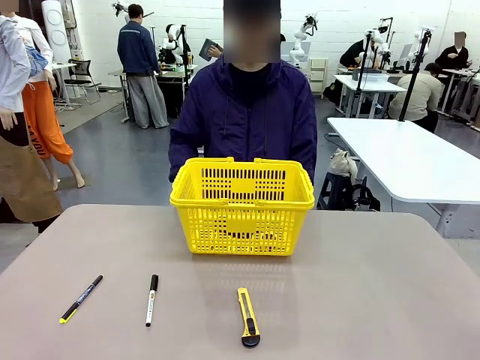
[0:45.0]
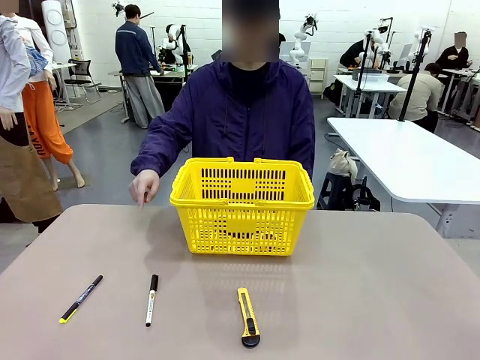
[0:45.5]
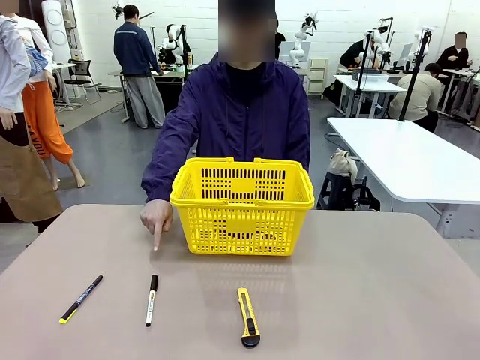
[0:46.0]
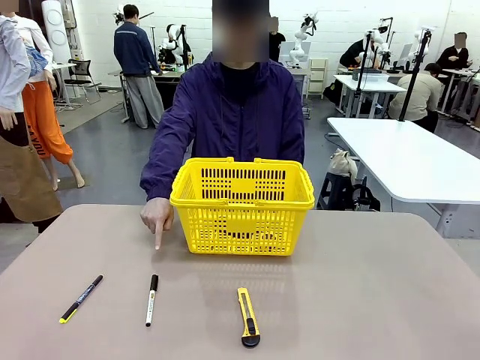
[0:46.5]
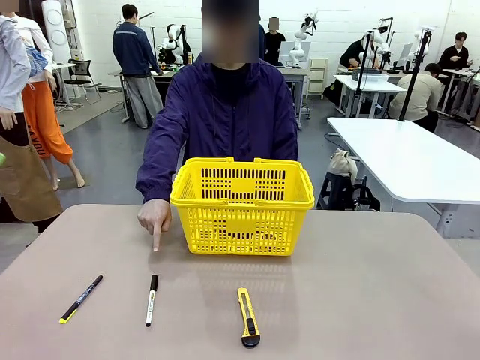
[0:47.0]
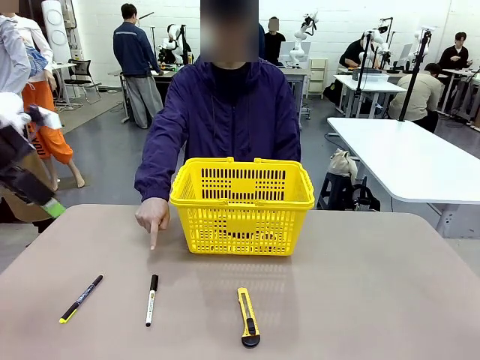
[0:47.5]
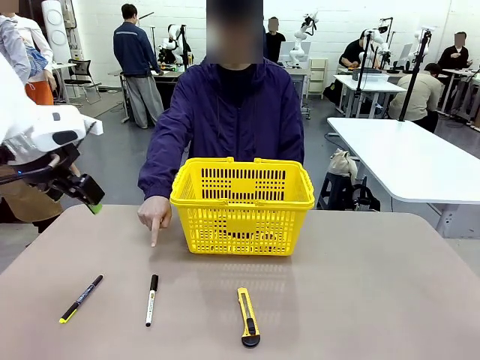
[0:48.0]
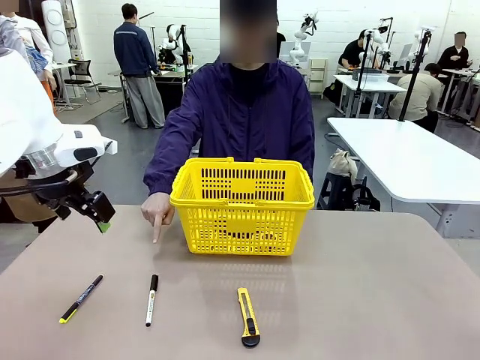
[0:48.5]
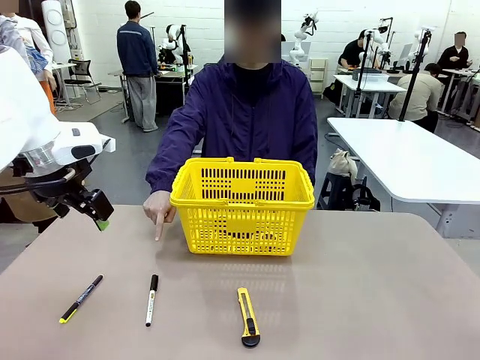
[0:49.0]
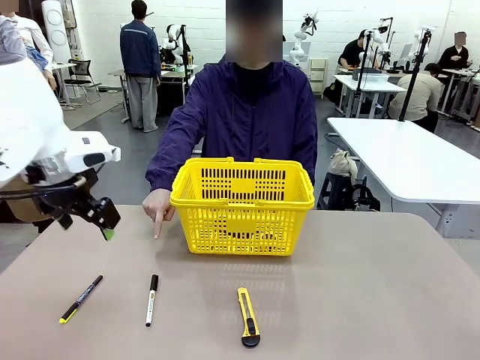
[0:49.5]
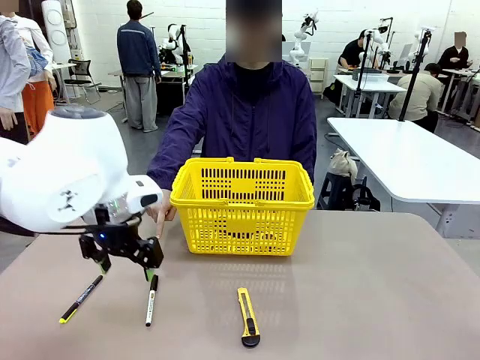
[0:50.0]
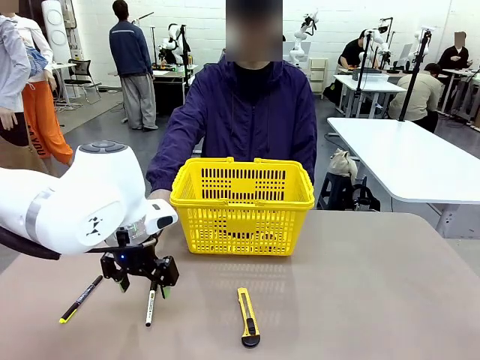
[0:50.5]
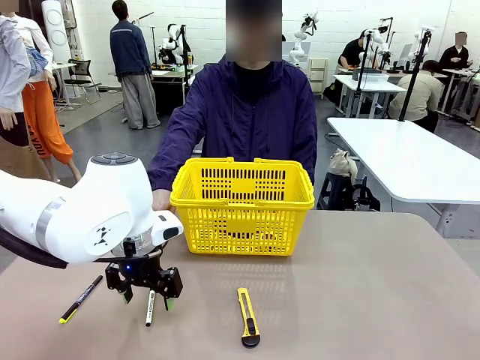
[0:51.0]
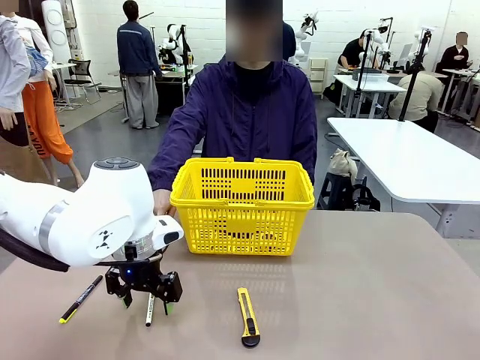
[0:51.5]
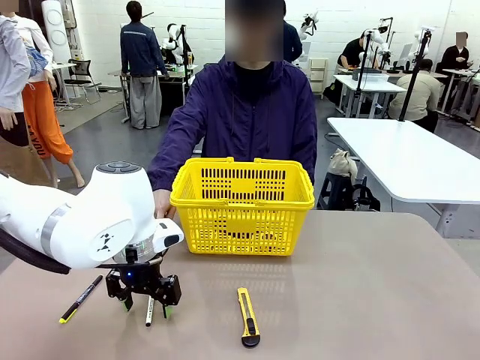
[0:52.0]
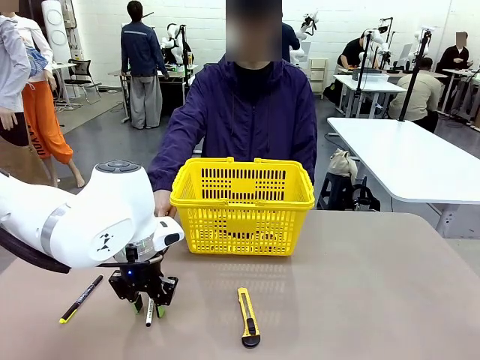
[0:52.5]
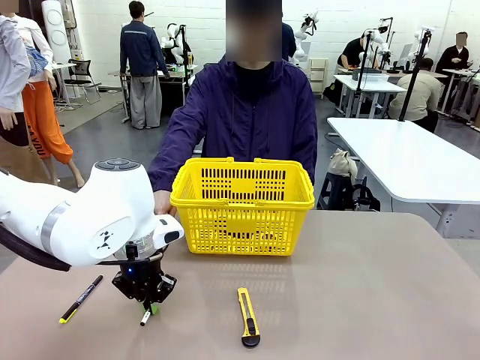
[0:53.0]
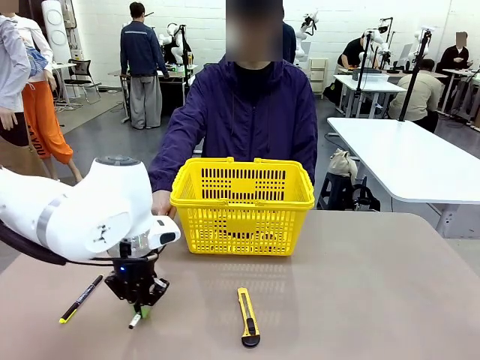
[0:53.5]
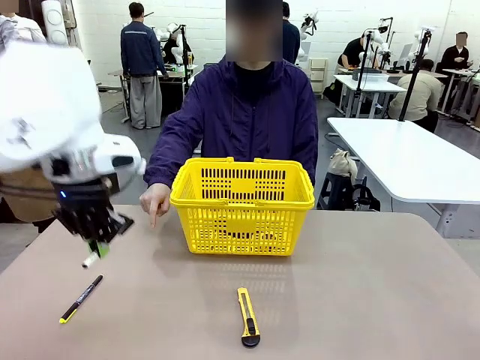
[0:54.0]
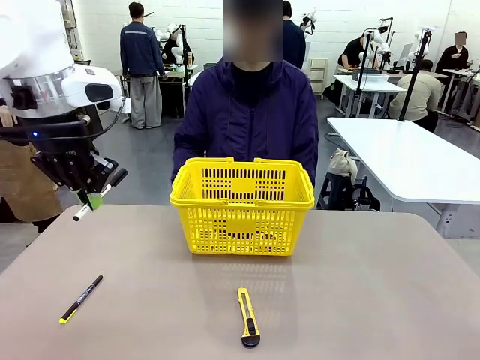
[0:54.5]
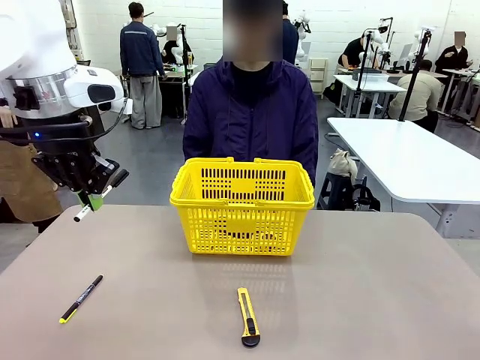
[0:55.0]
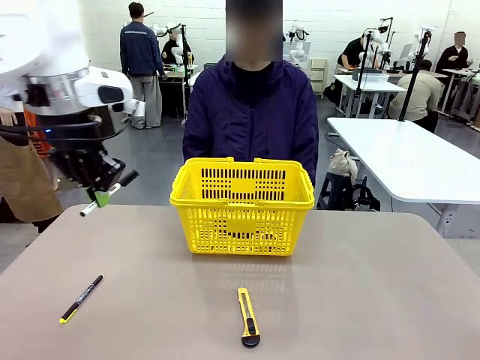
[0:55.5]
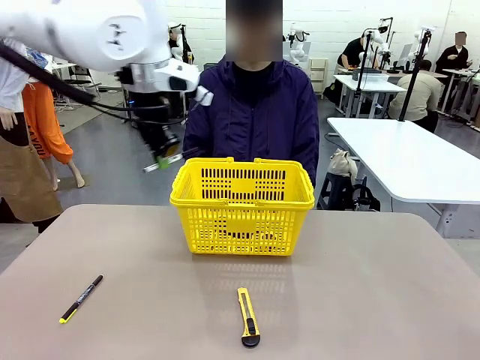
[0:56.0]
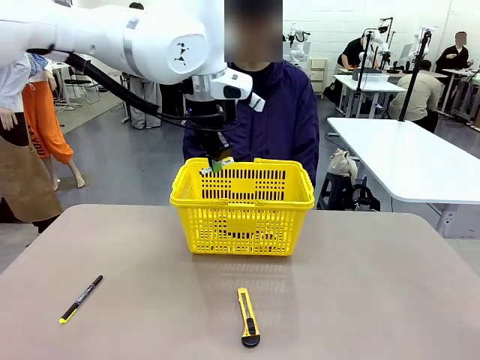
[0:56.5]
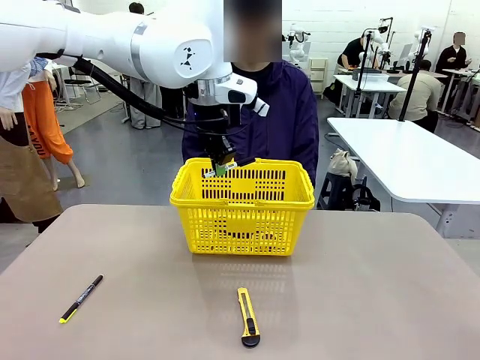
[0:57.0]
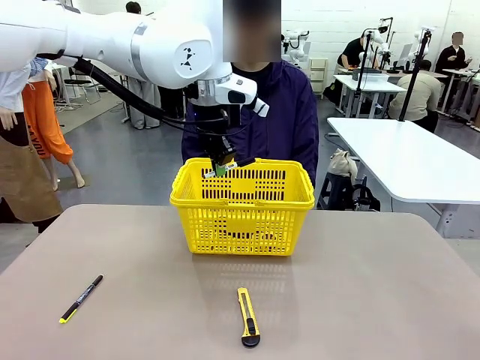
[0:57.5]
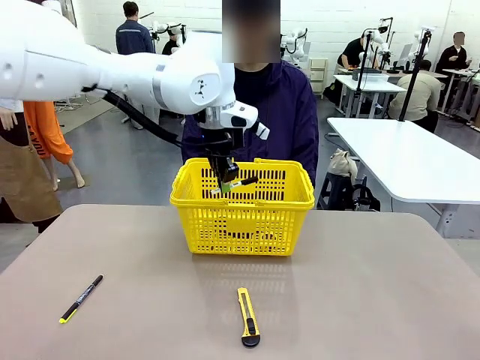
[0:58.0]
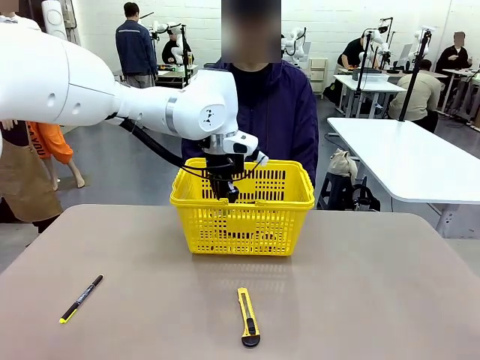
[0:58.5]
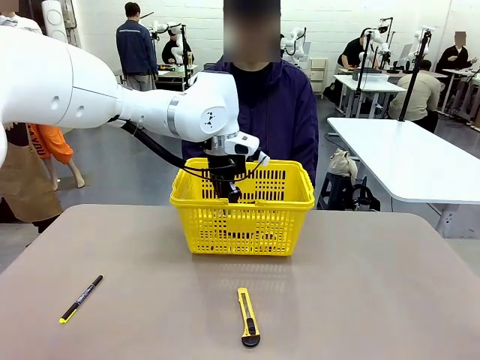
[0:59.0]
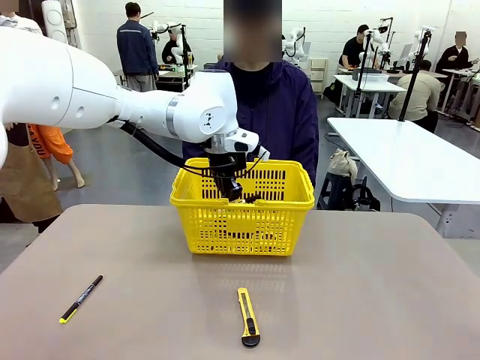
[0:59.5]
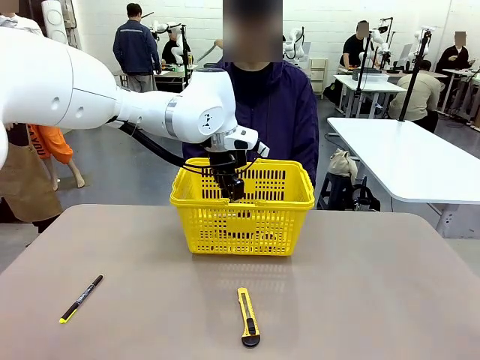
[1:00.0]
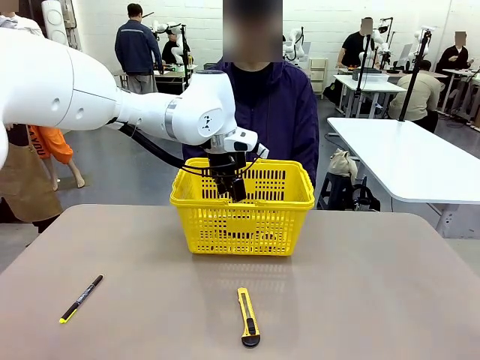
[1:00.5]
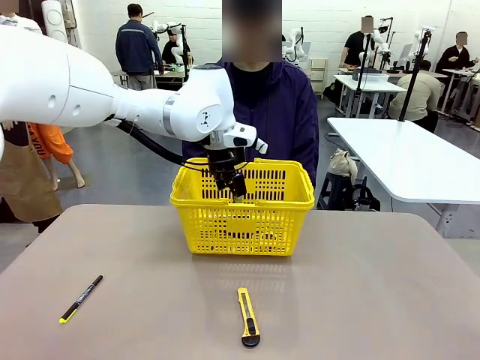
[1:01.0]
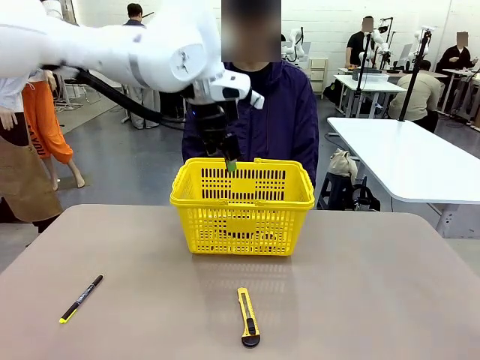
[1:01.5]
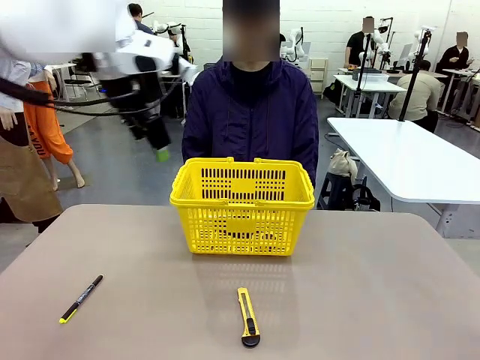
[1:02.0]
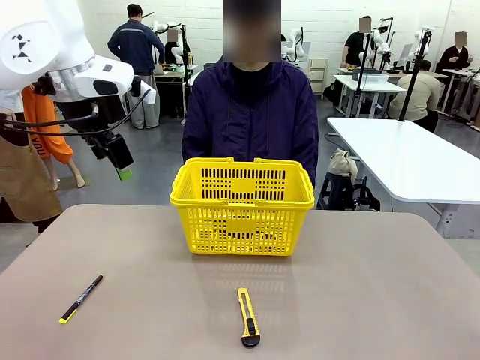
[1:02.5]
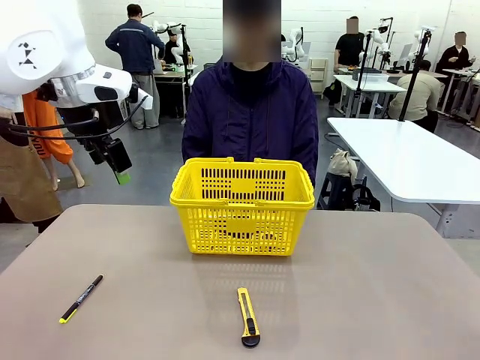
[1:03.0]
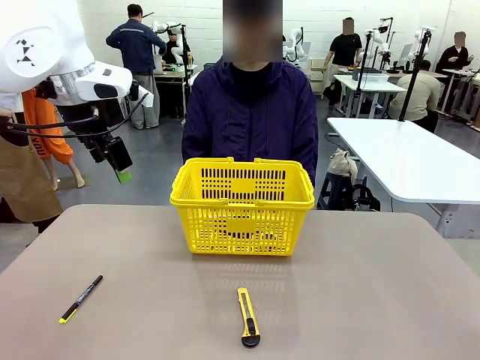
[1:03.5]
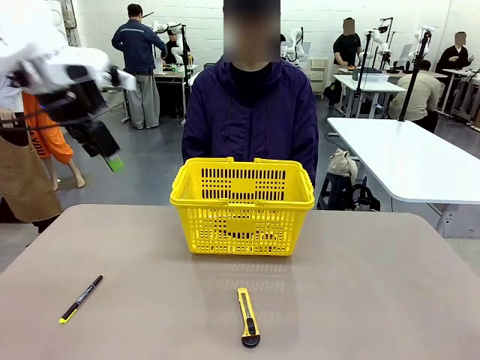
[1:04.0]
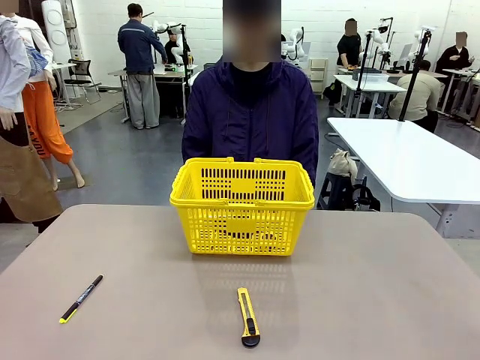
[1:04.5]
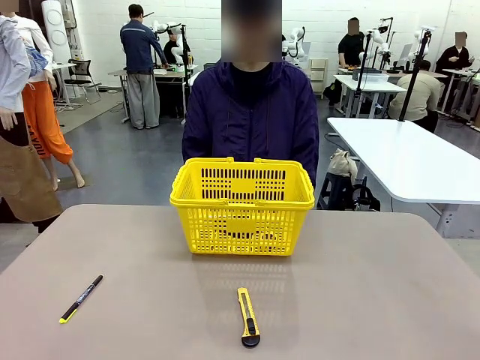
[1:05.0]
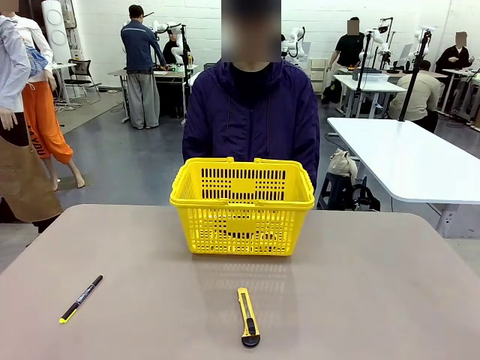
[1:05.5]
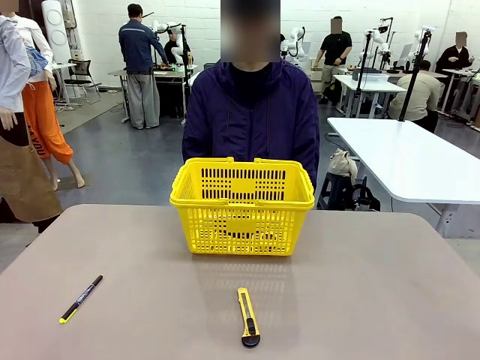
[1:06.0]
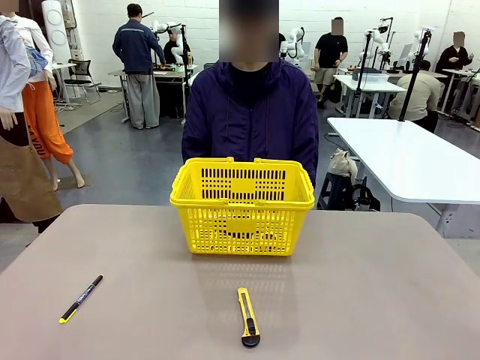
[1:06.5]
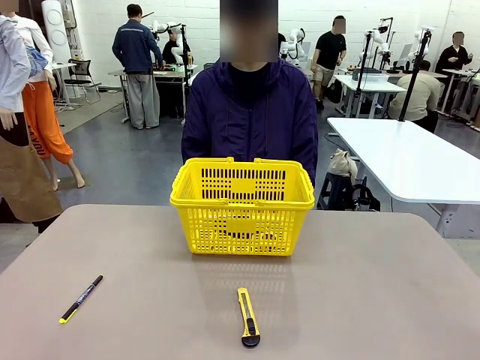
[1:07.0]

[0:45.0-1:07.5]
Task: Place the items the person wants into the basket.
Robot: Pick up the item the person points to and place it in the Market Basket.

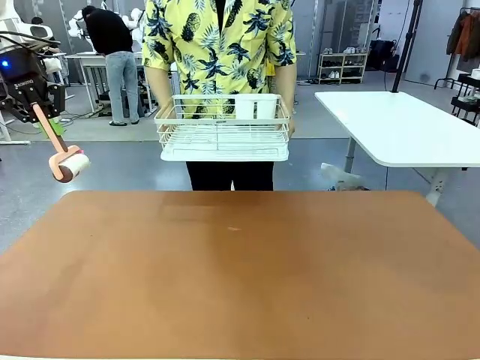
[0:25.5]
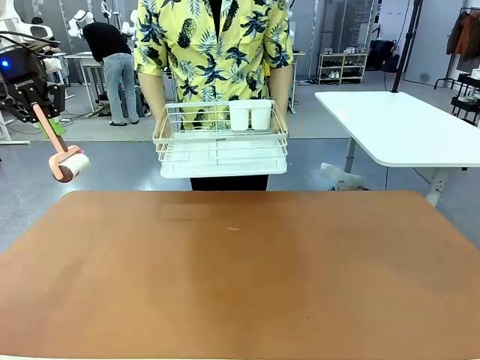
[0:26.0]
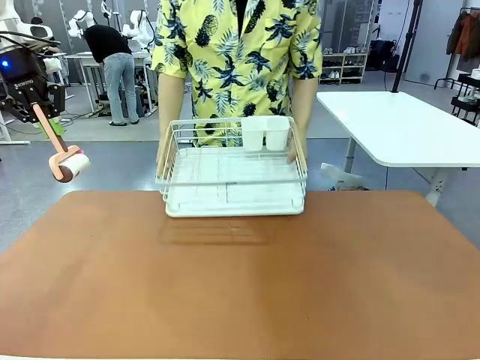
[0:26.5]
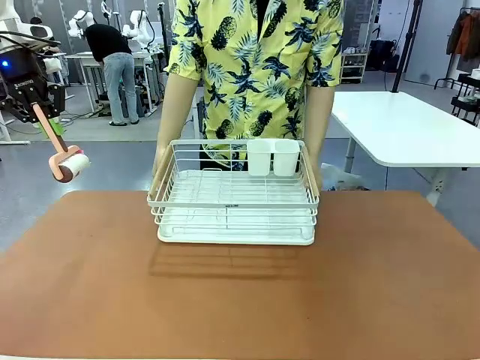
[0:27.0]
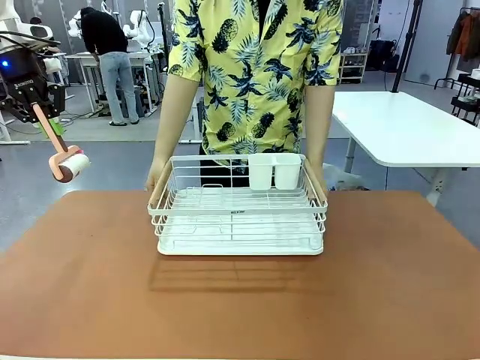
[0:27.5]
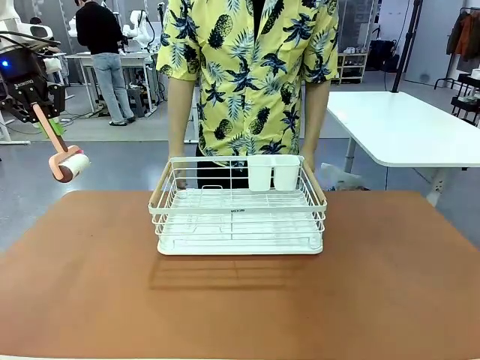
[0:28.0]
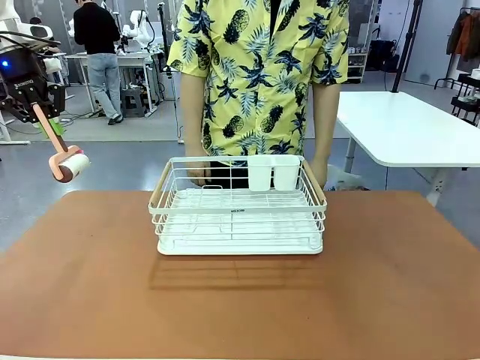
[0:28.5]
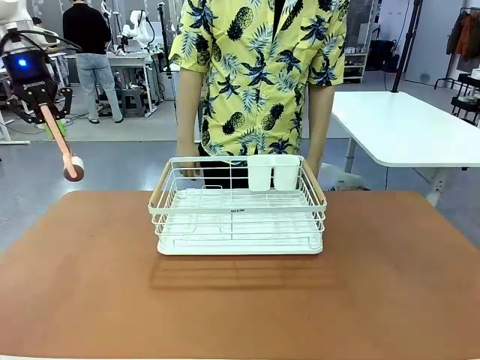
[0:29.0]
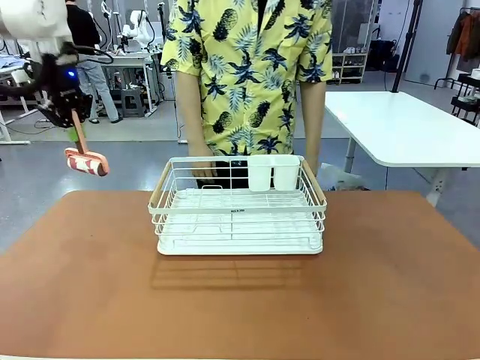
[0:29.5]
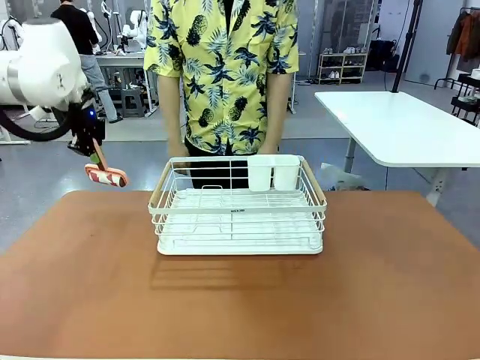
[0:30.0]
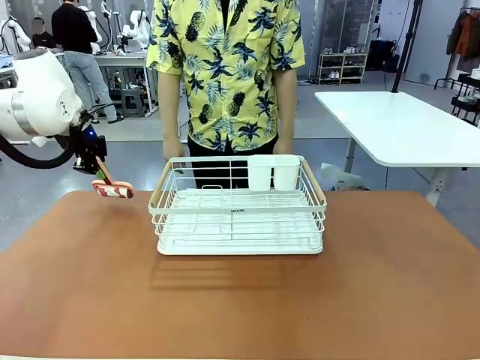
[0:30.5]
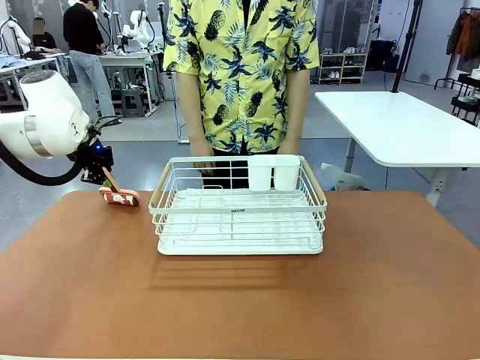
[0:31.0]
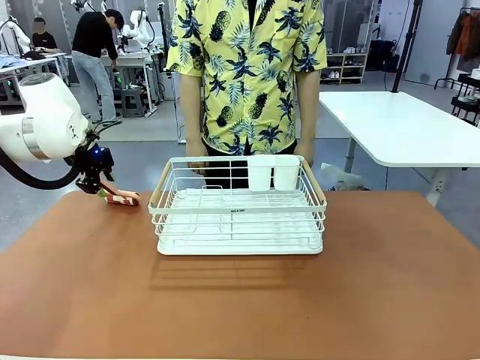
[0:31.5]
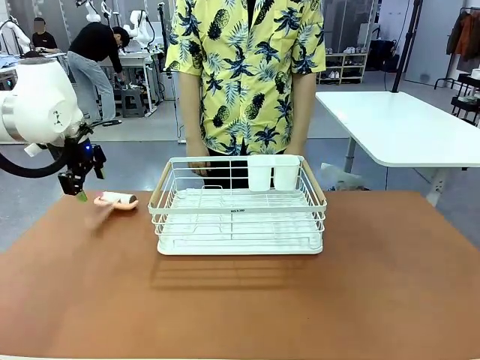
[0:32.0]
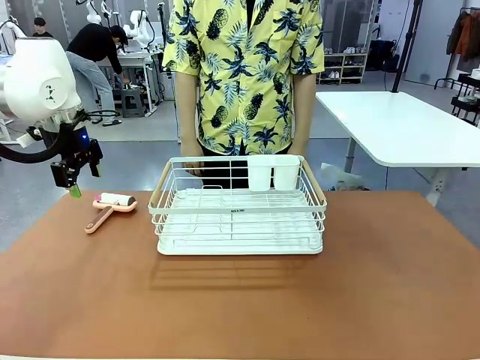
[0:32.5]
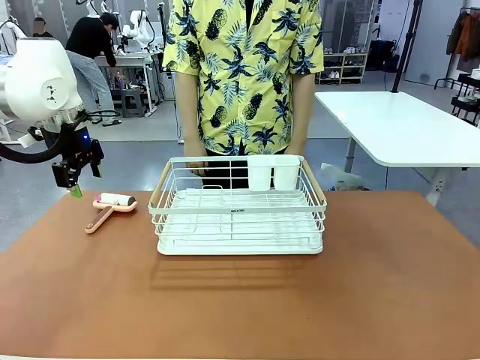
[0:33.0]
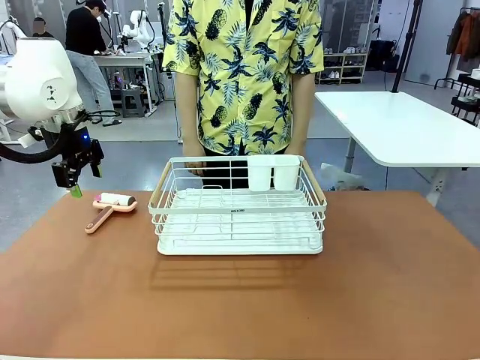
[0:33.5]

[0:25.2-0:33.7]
Task: Clean the table.
Robot: Place the Lint Roller down when the Dish drying rack is positioned in the middle of the table.
Person: Place the Dish drying rack down when the robot finishes cleaning.
